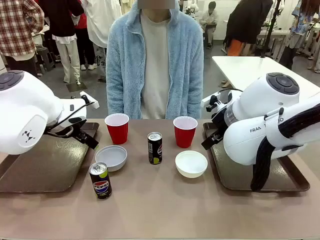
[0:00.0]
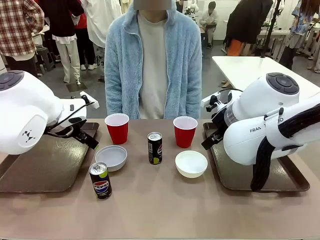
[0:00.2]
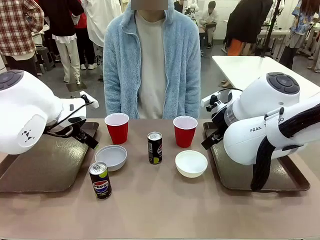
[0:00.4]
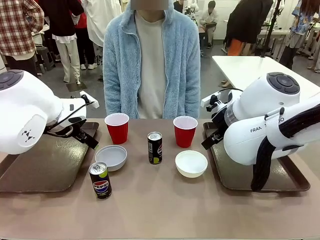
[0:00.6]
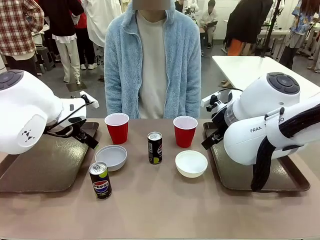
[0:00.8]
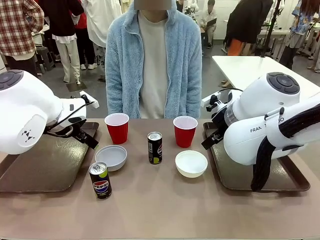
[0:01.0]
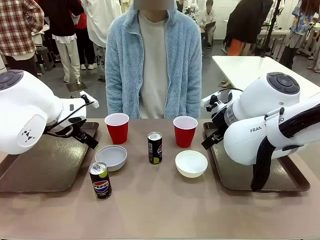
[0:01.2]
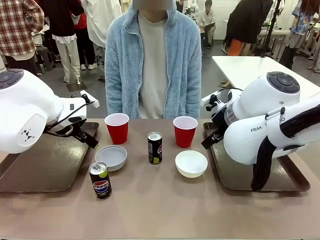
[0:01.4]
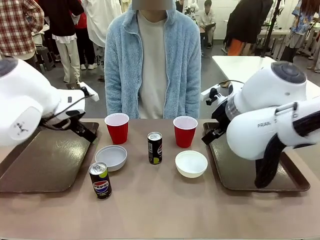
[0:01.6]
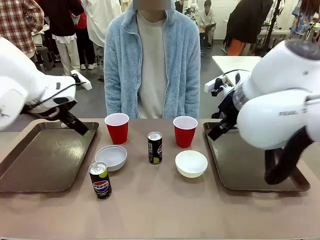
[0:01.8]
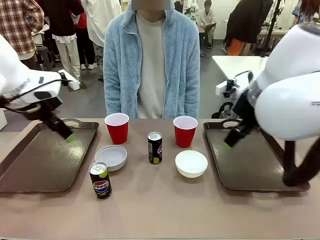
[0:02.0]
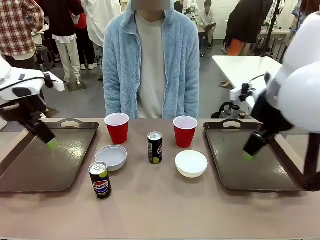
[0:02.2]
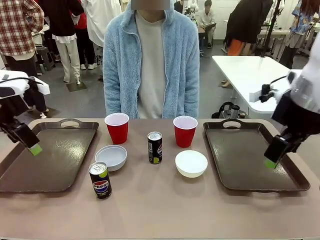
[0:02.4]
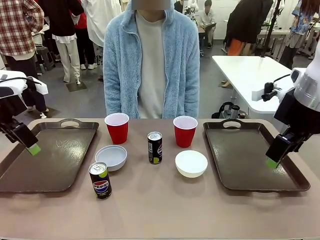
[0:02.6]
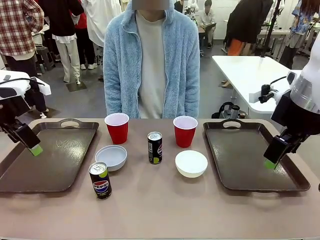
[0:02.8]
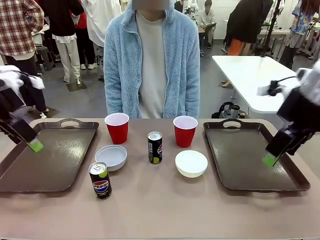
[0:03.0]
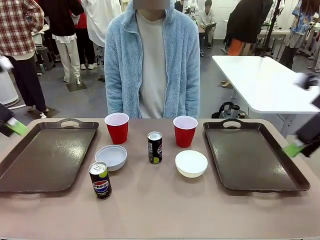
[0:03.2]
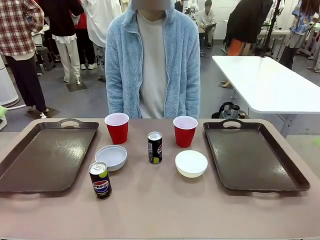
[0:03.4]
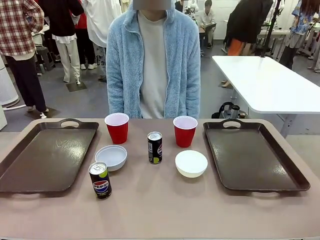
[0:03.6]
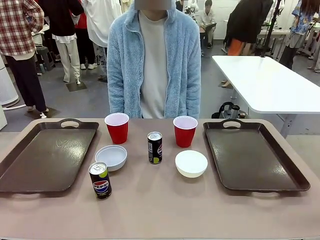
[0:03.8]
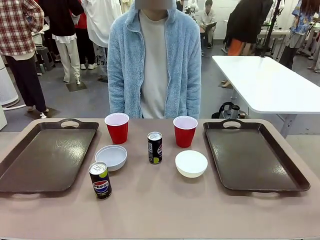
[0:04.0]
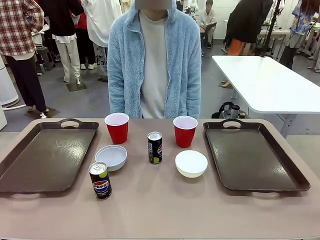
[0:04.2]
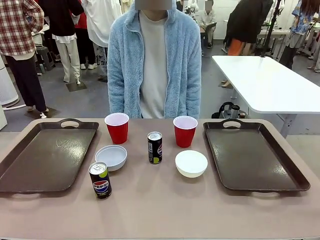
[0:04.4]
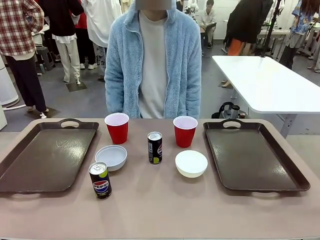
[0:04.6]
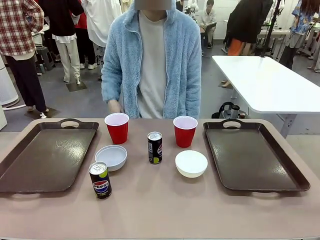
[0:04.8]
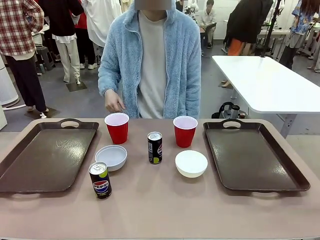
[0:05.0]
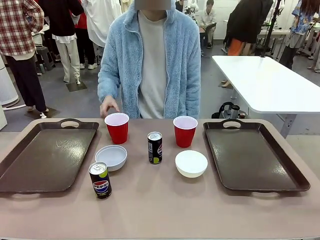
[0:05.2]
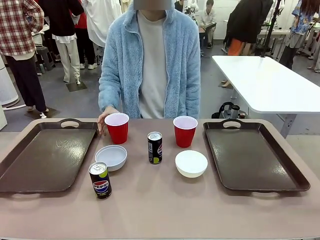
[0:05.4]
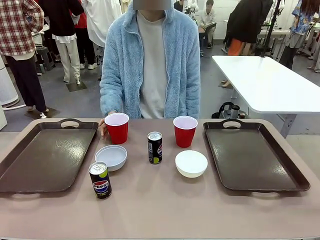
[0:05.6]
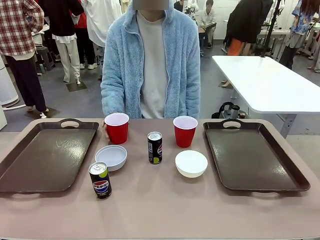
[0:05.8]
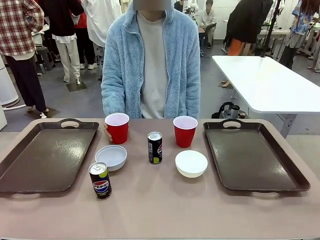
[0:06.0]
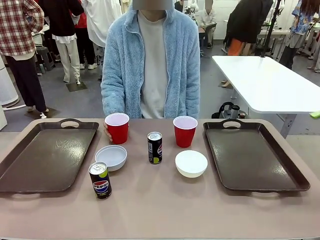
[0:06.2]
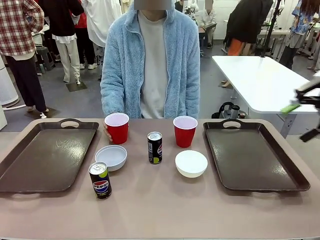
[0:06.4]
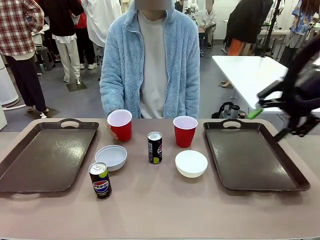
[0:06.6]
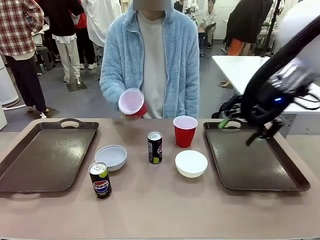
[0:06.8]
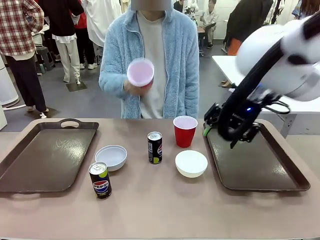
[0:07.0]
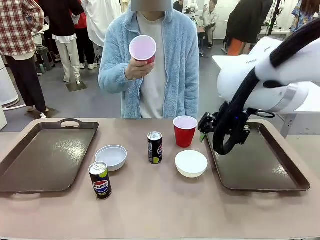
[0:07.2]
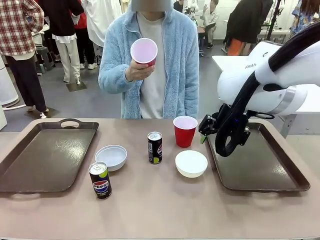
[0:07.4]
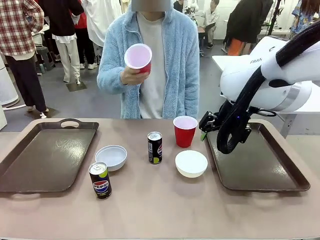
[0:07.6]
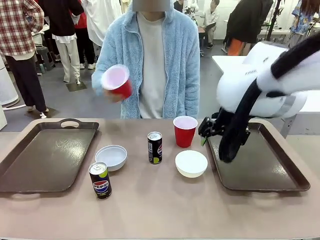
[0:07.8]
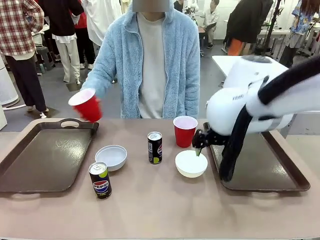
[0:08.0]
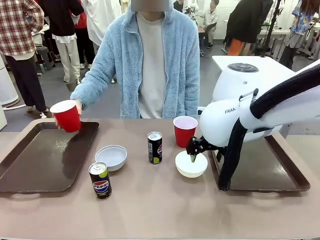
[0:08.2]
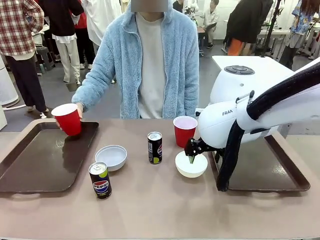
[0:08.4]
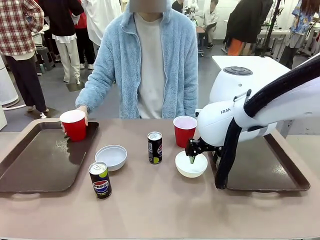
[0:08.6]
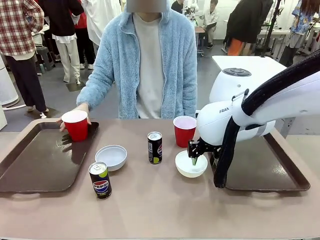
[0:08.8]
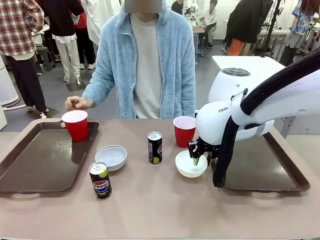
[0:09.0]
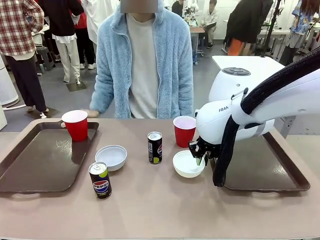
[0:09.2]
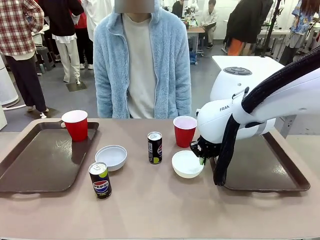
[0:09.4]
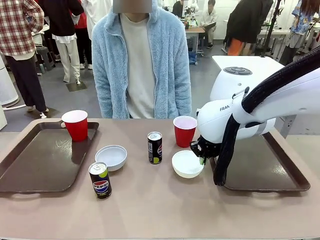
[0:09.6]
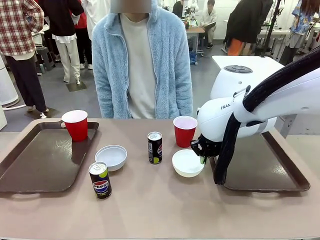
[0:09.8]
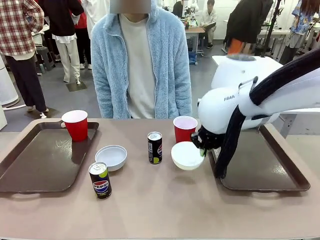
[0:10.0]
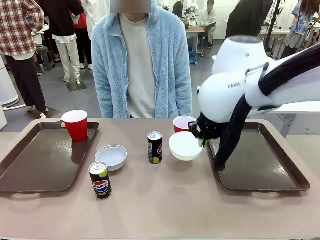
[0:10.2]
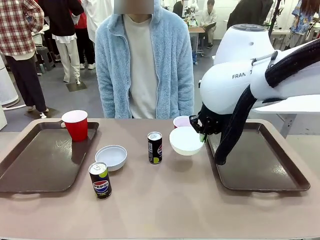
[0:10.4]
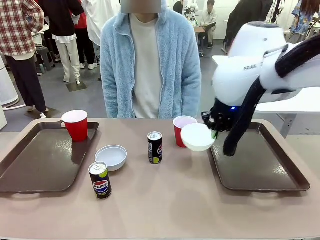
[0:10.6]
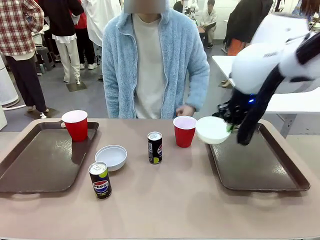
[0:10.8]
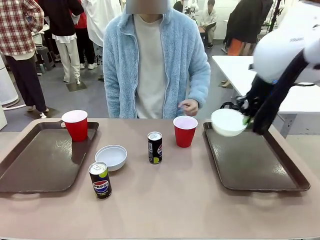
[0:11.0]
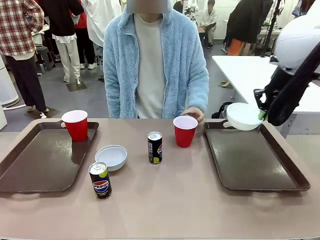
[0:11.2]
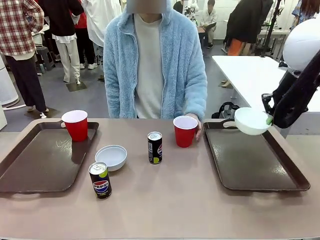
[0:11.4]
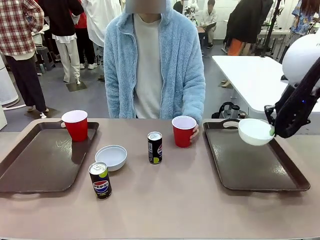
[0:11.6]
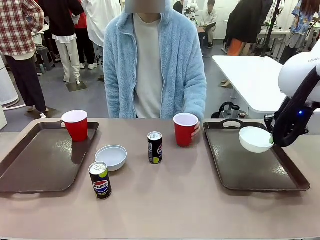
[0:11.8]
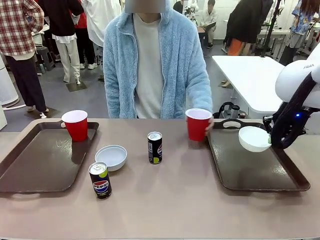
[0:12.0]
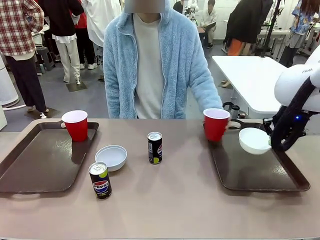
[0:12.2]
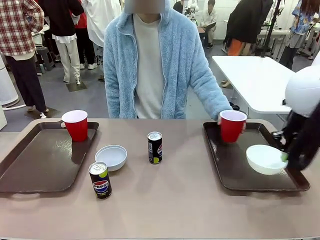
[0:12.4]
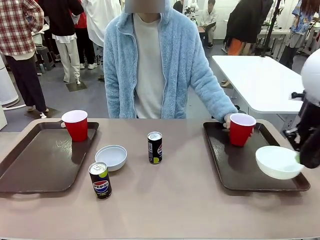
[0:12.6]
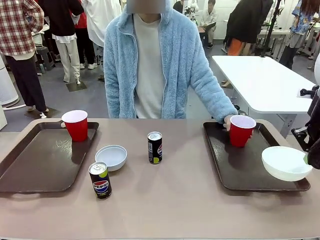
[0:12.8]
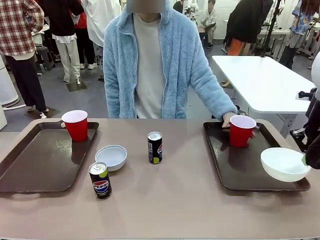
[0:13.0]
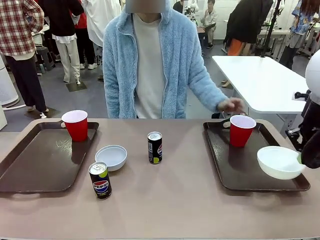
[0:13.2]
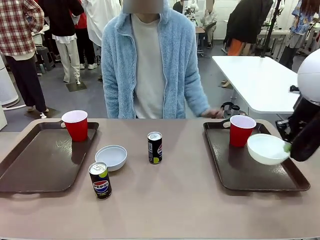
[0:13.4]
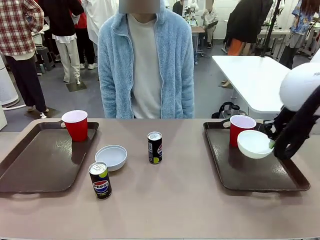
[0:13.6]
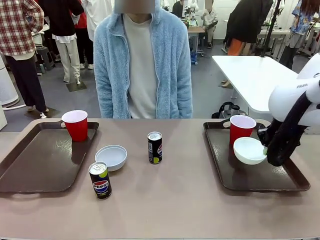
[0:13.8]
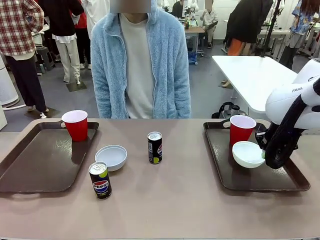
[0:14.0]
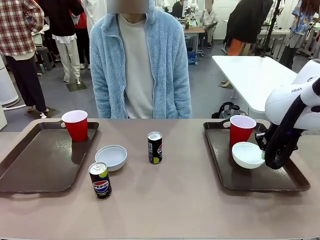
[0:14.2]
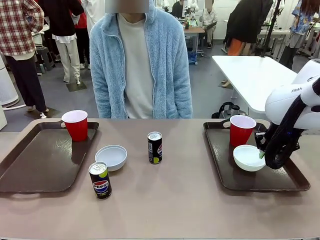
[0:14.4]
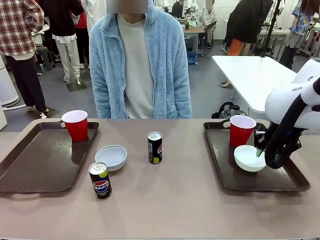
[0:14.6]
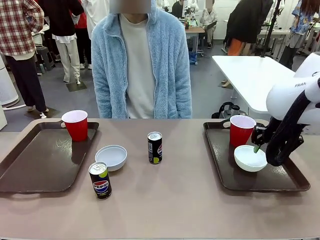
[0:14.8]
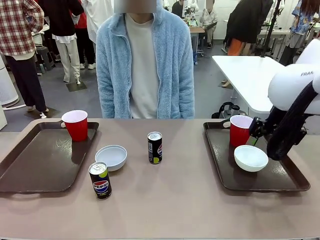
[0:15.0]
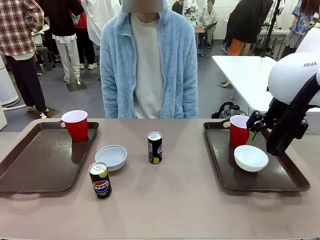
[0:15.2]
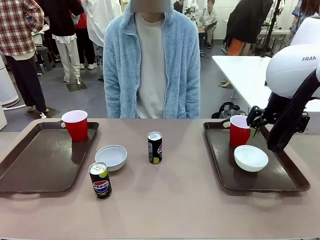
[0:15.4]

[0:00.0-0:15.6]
Task: Prepare tableware on both trays.
Robot: Pick up a Picnic Bowl from the table and place it on a Handle tray.
Person: Pick up a can or cup and place it on the tray.
